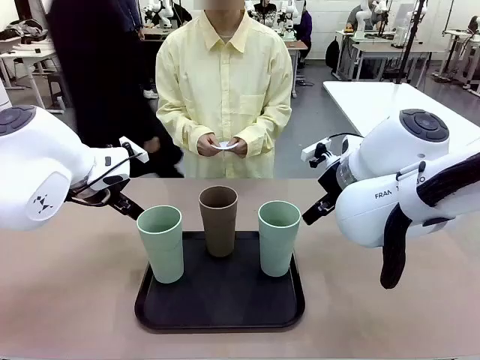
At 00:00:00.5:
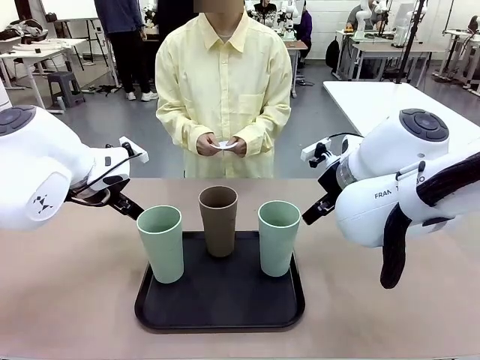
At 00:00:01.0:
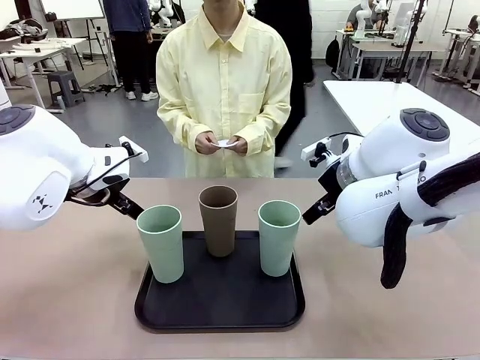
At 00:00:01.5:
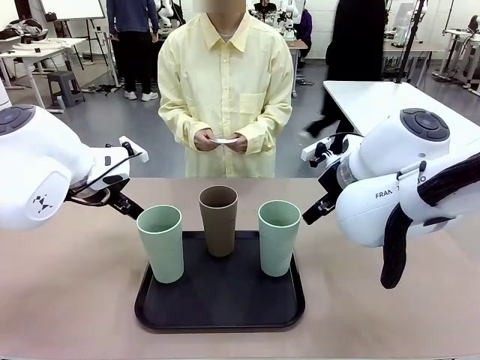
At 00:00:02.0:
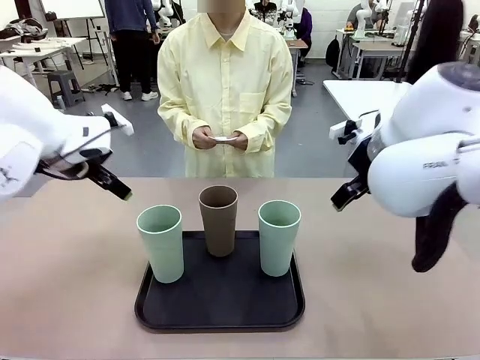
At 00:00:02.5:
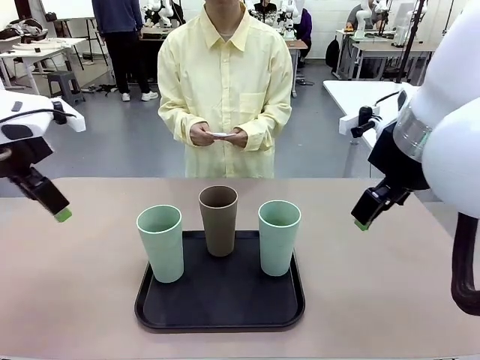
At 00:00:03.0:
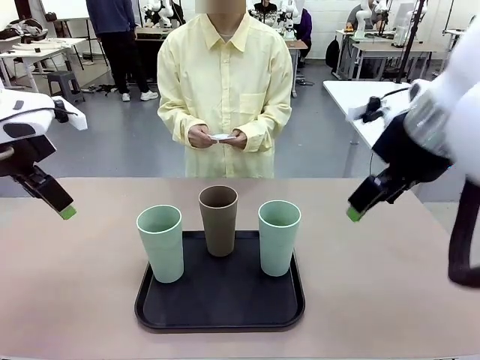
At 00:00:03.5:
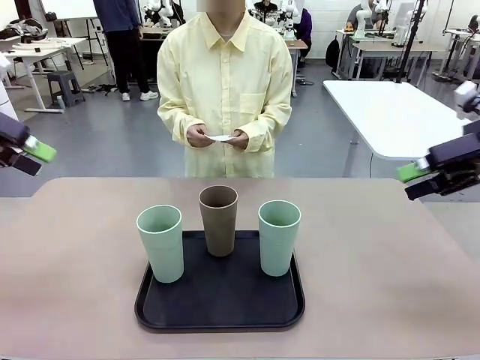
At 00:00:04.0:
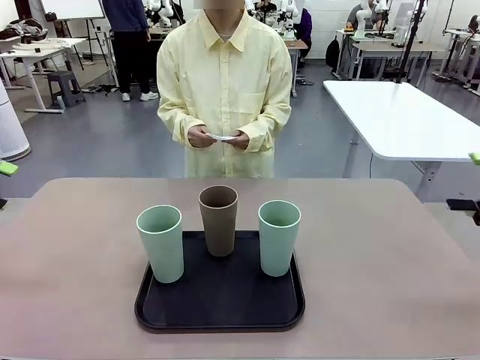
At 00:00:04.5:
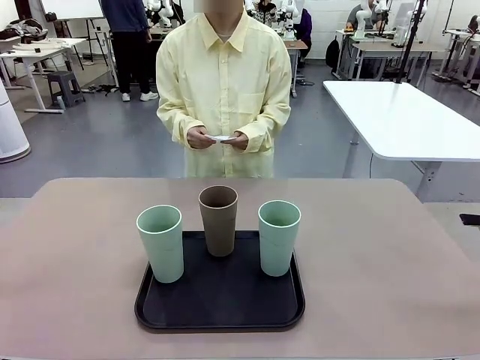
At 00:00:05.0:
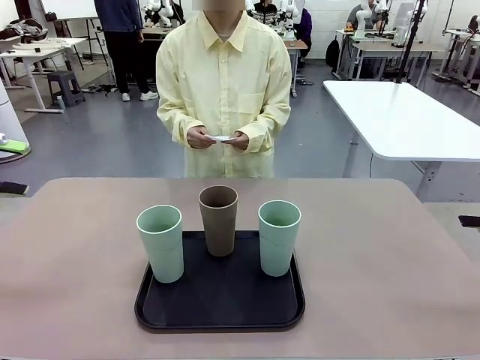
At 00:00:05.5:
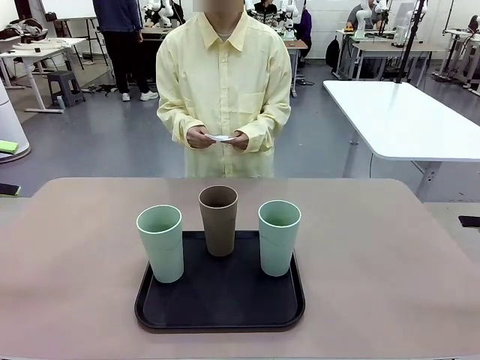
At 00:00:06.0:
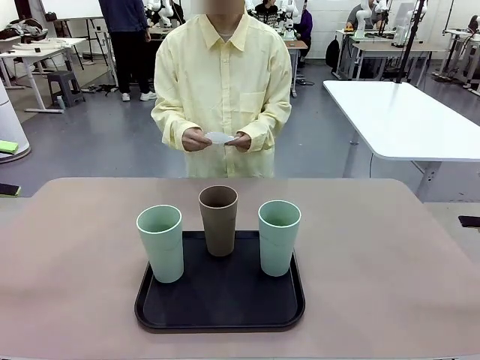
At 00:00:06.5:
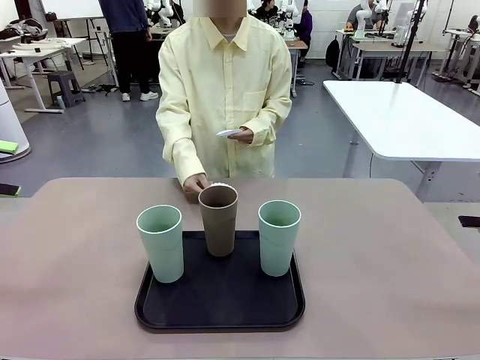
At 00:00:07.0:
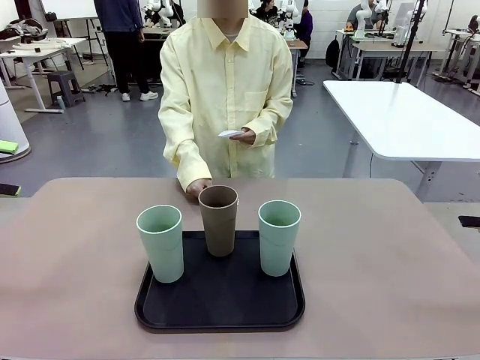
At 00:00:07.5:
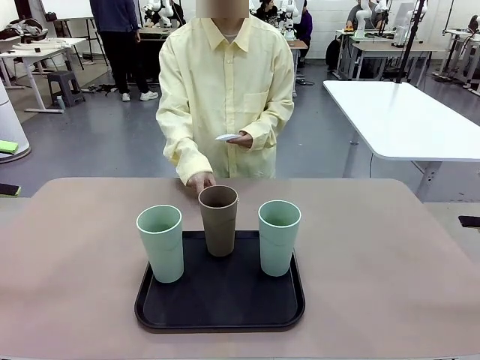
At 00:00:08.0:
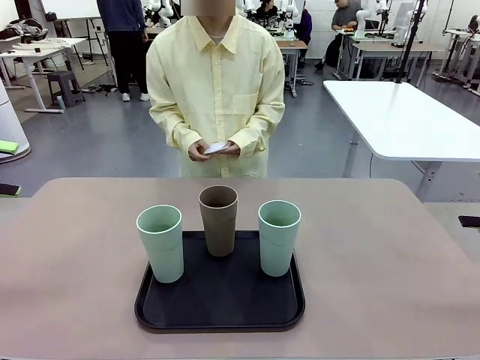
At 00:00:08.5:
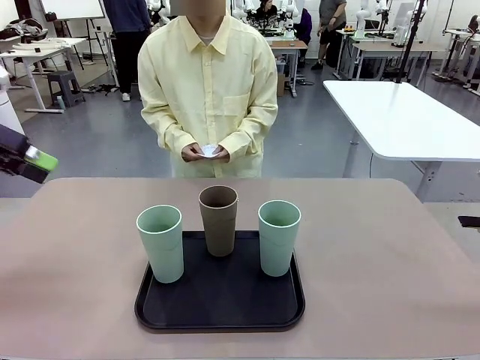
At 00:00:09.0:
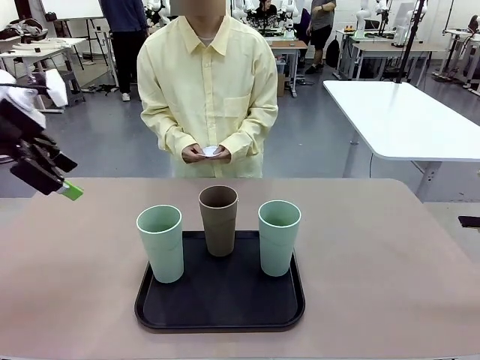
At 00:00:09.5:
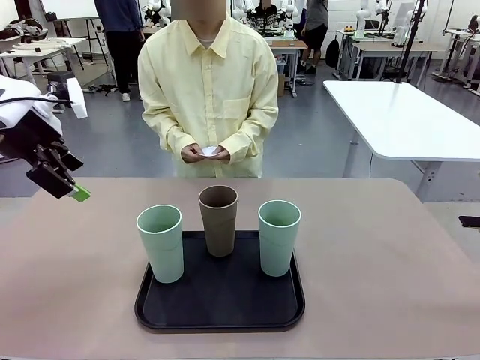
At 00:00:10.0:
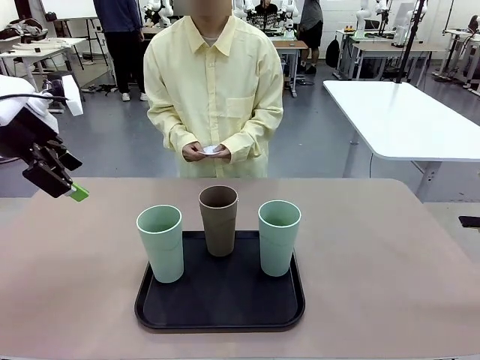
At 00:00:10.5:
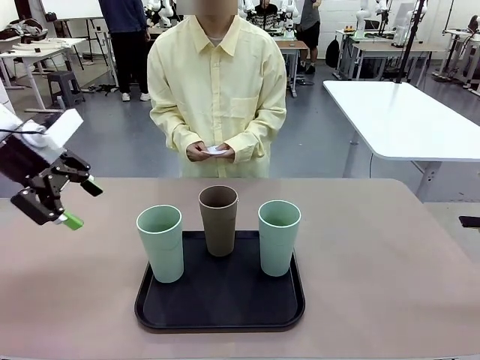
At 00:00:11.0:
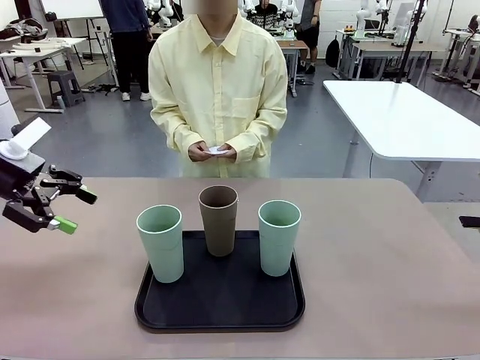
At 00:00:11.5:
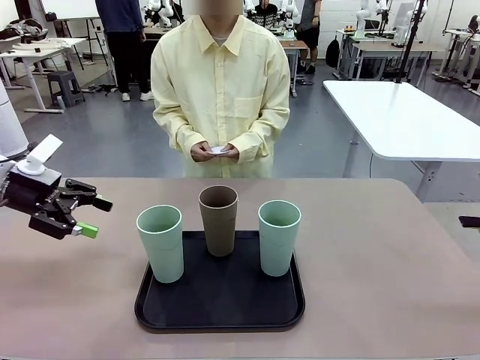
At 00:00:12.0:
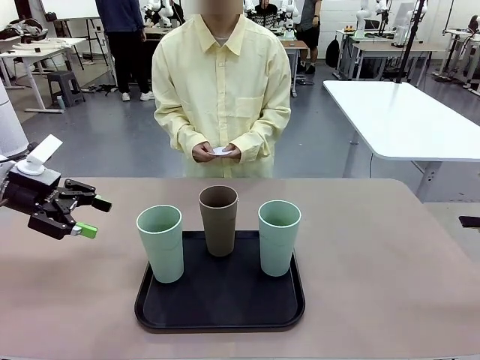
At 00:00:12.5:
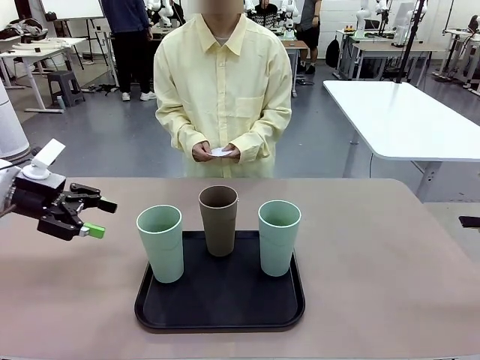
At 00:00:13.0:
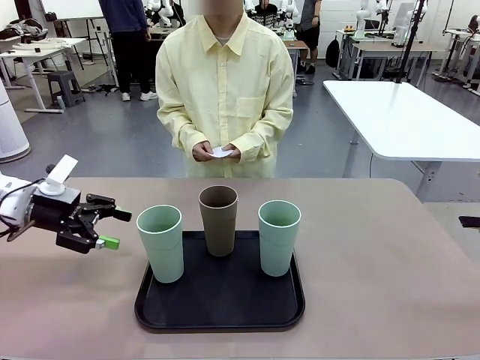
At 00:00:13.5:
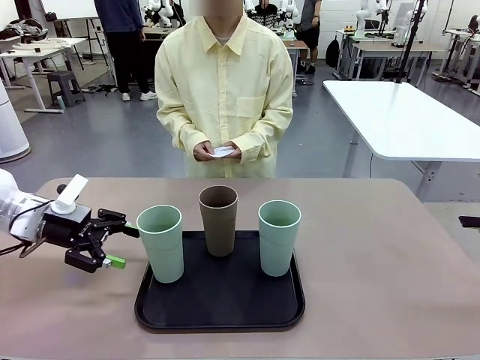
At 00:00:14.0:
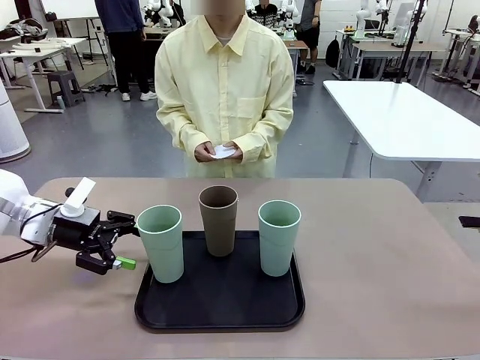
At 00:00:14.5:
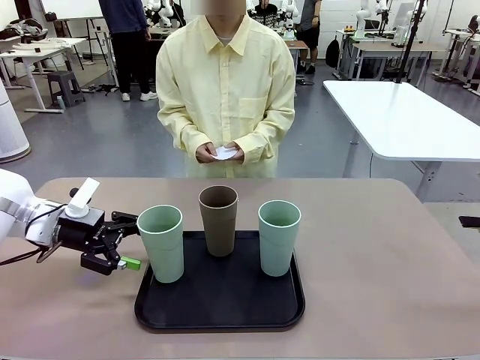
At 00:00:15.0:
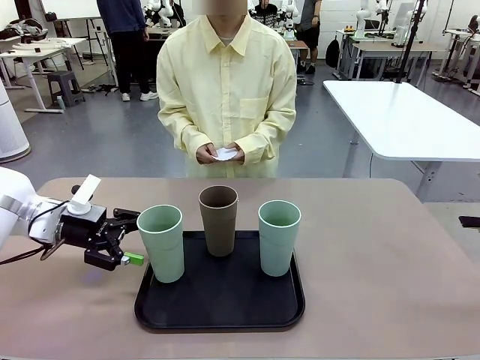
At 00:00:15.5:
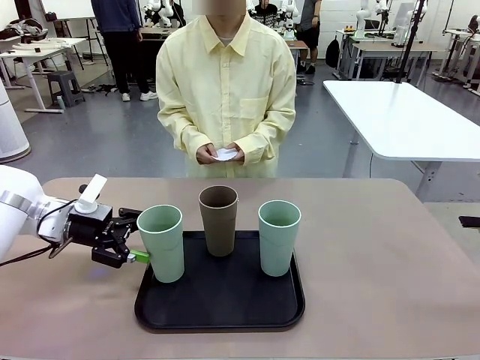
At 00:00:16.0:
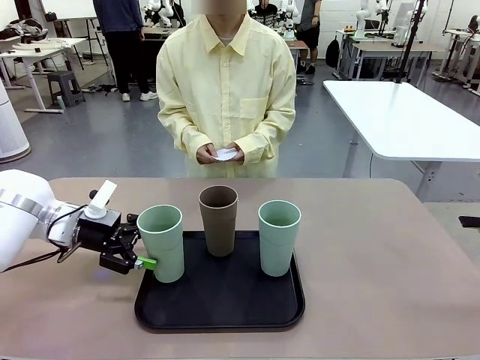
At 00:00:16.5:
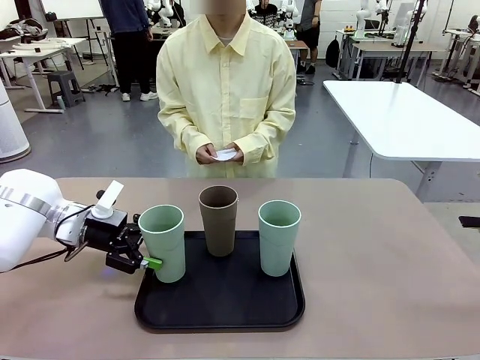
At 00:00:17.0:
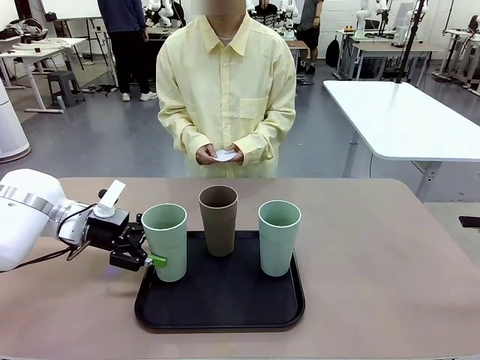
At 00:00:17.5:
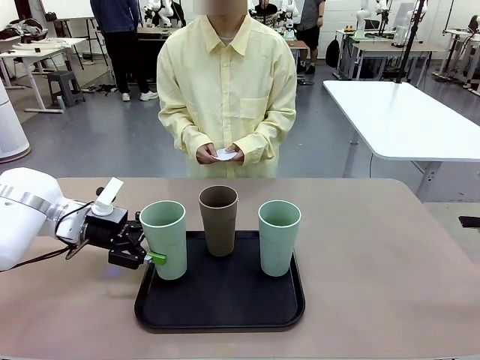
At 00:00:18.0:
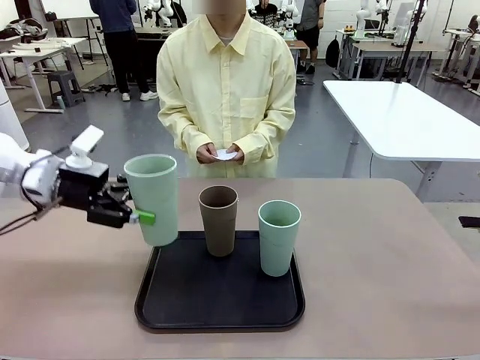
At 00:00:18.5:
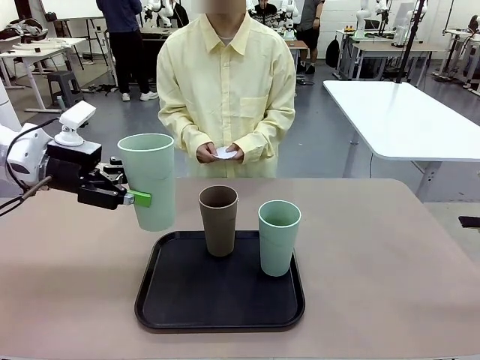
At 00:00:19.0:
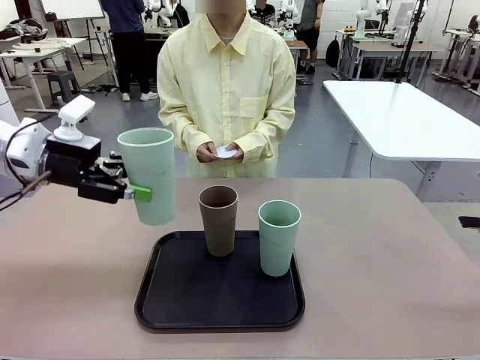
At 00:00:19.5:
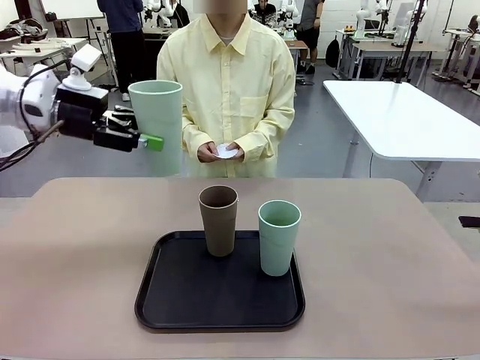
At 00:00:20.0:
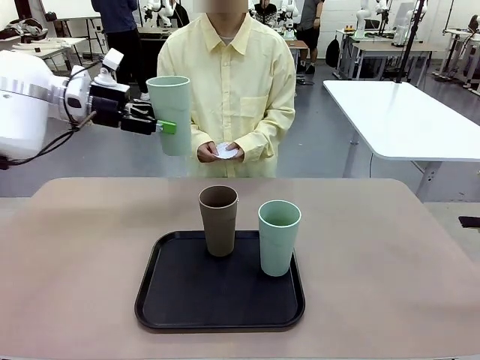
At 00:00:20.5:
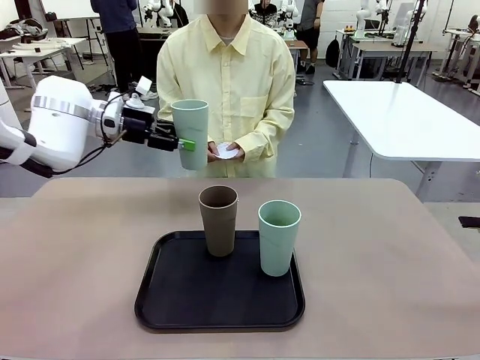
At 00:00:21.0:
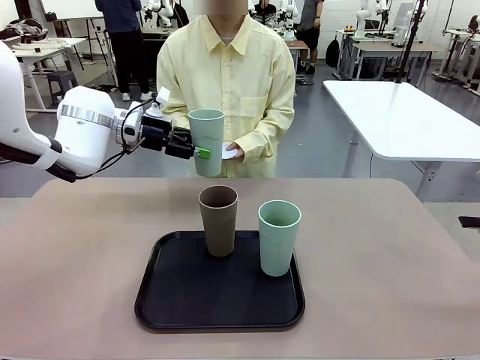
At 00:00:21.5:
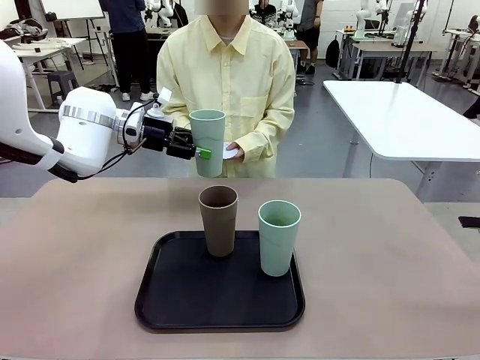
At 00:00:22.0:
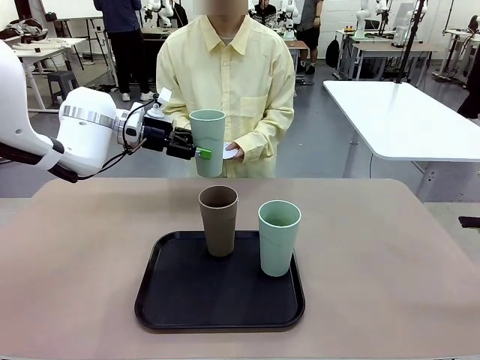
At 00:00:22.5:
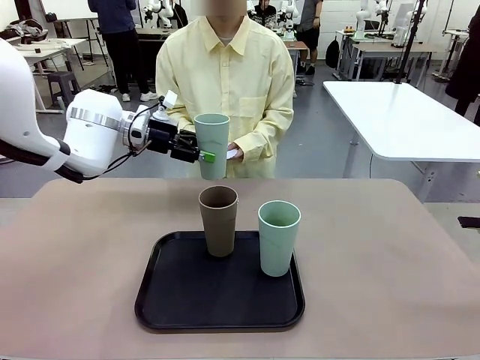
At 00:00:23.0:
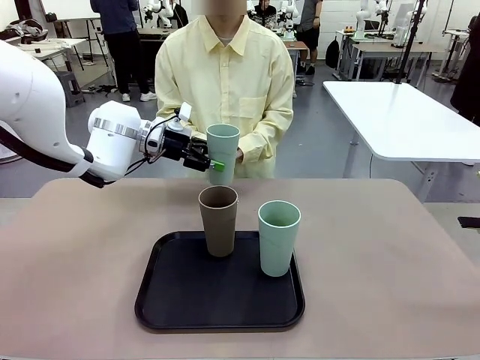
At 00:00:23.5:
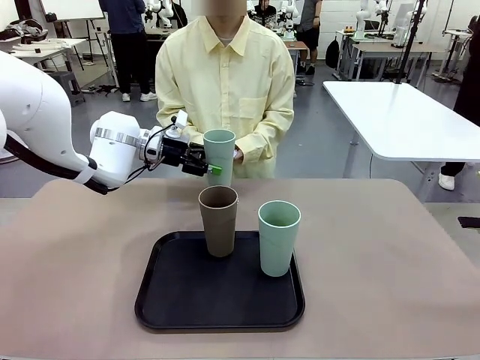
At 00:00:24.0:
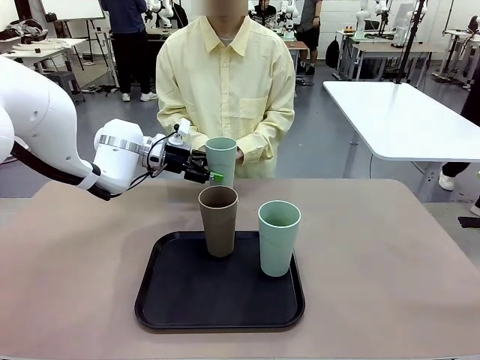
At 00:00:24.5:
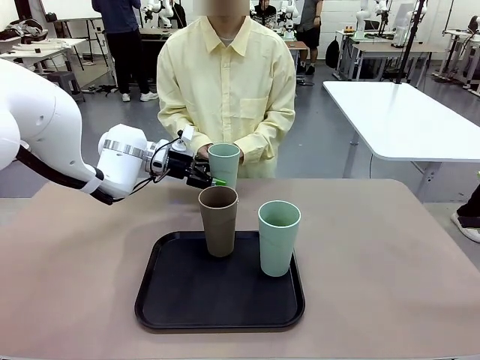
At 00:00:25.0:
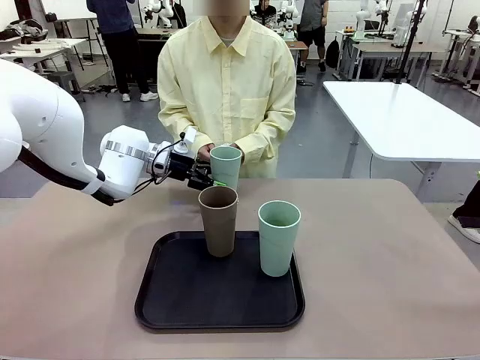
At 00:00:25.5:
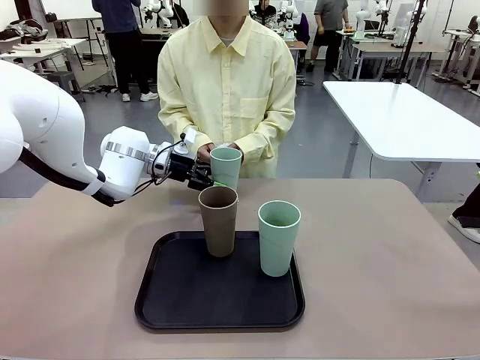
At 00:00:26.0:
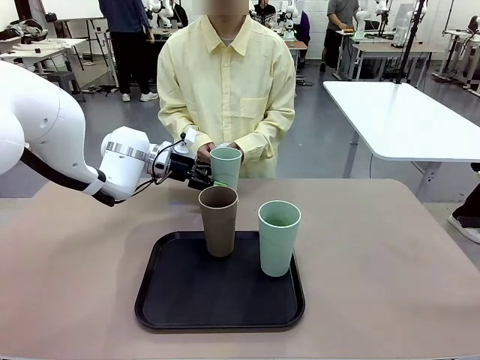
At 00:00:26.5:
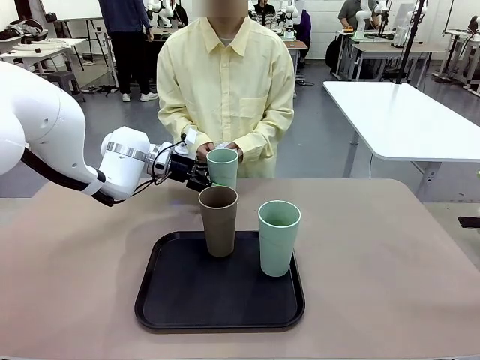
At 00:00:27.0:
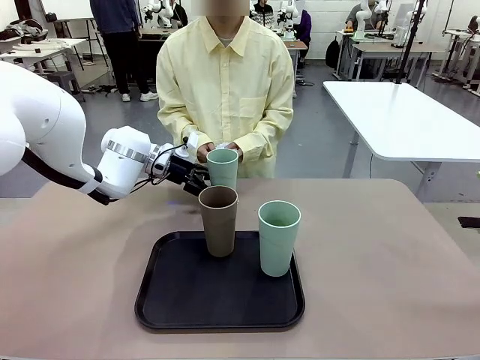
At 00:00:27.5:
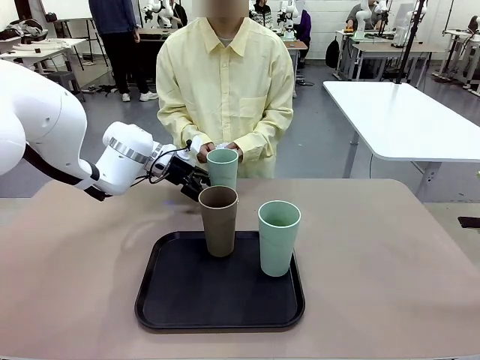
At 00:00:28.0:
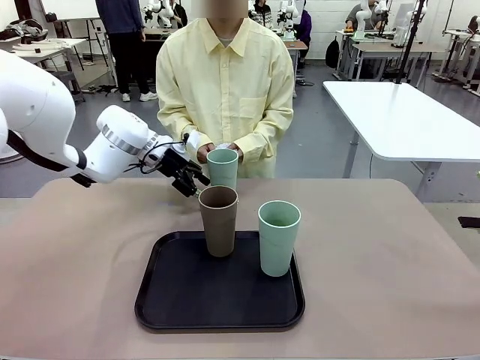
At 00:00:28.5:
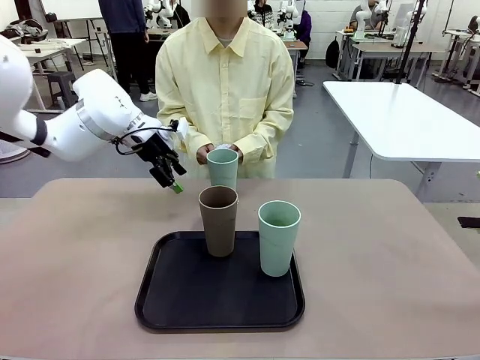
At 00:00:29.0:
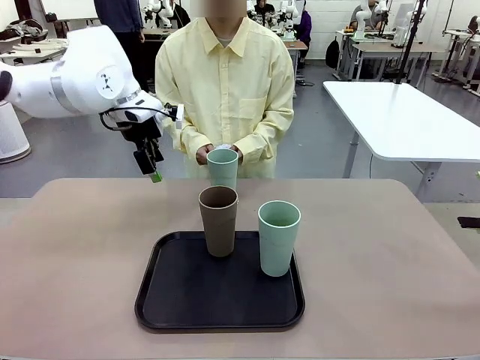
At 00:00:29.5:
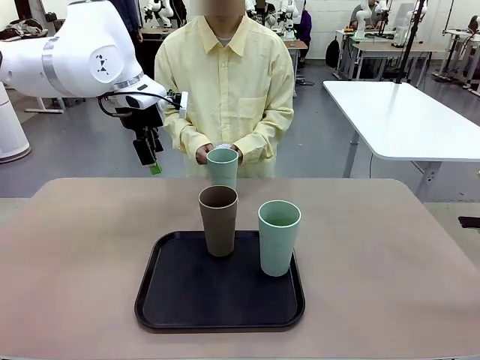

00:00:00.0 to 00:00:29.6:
Task: Place coasters on the table and set cups on them.
Robot: Pick up one Reusable plastic cup and place it on a coaster set by the human.
Person: Place one coaster in any one of the three lower areas of the robot table (left, center, or right). Place one coaster in one of the two areas excluding the previously selected area.
